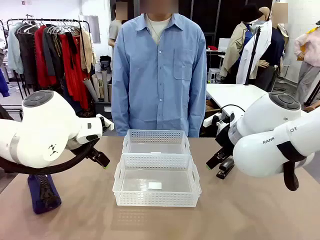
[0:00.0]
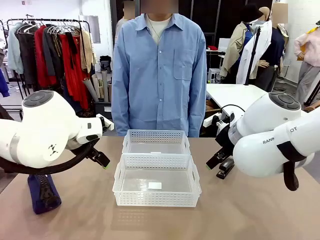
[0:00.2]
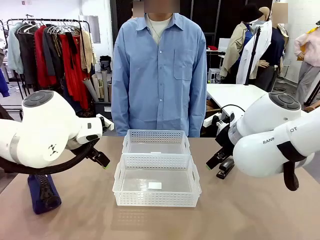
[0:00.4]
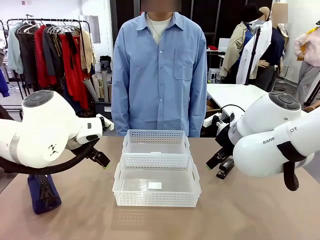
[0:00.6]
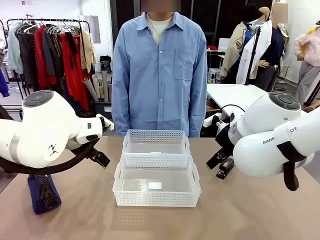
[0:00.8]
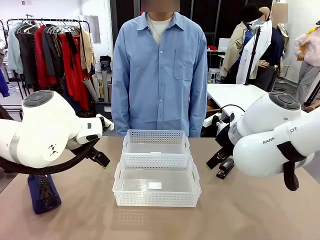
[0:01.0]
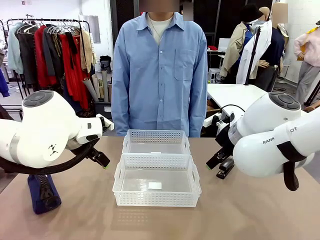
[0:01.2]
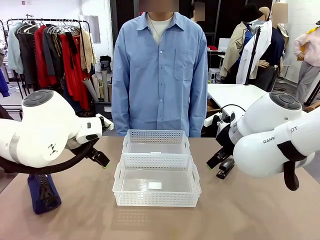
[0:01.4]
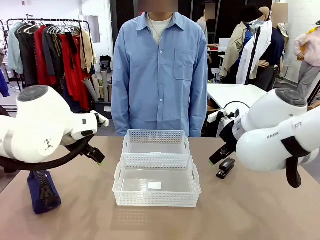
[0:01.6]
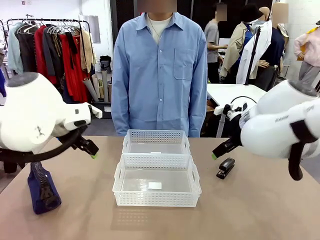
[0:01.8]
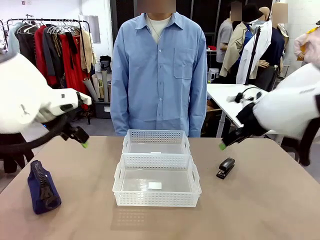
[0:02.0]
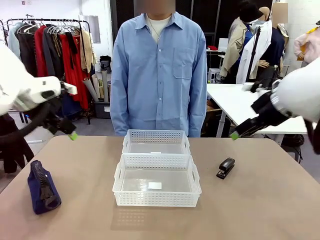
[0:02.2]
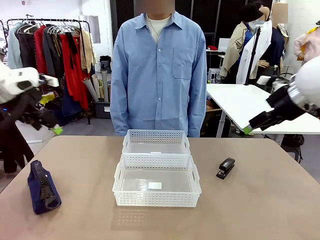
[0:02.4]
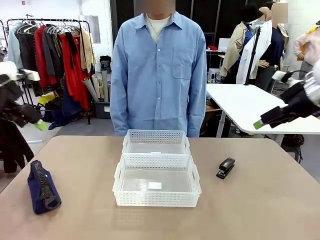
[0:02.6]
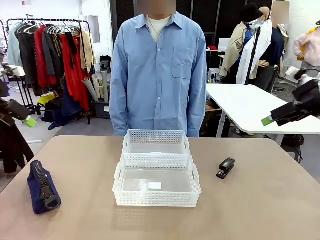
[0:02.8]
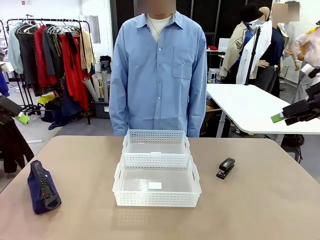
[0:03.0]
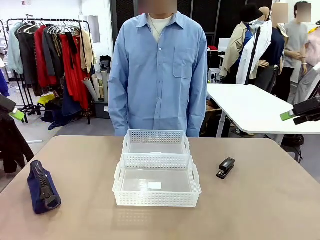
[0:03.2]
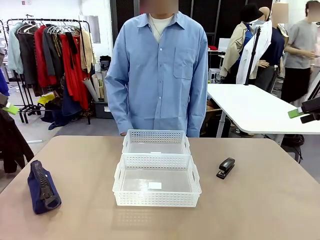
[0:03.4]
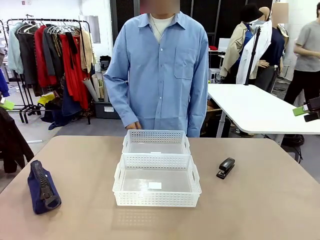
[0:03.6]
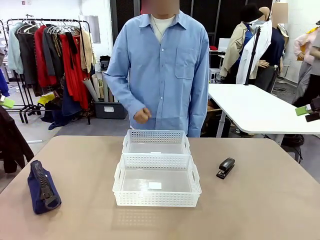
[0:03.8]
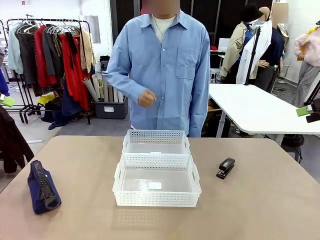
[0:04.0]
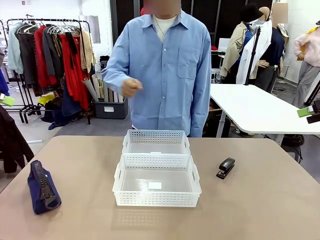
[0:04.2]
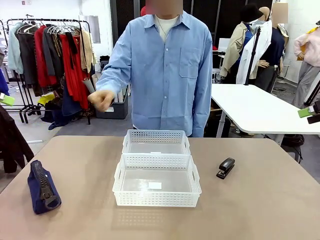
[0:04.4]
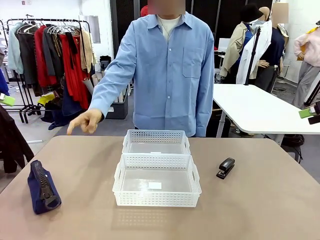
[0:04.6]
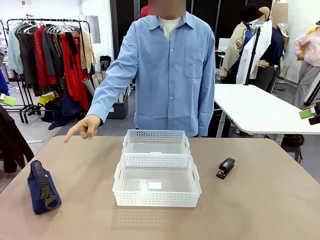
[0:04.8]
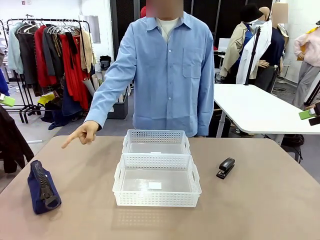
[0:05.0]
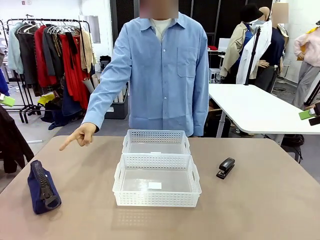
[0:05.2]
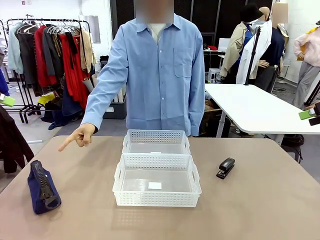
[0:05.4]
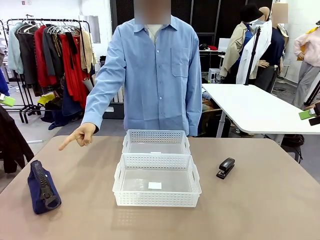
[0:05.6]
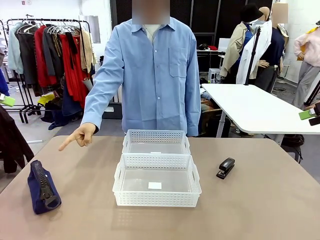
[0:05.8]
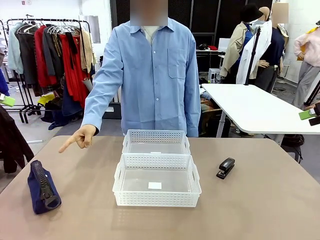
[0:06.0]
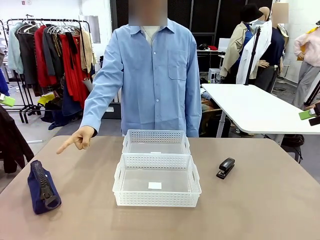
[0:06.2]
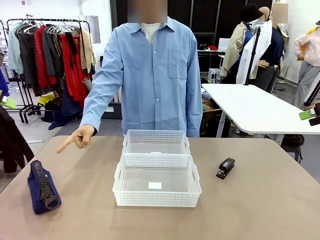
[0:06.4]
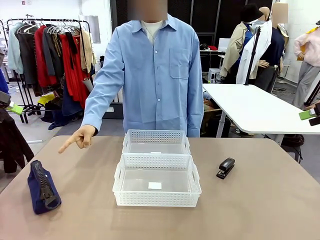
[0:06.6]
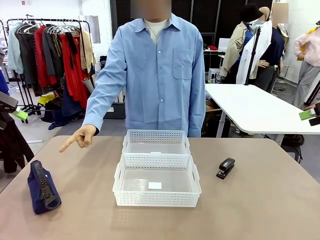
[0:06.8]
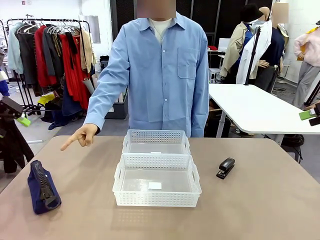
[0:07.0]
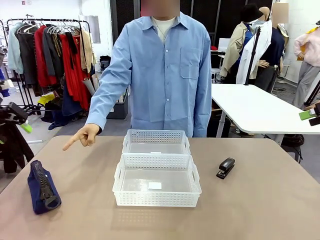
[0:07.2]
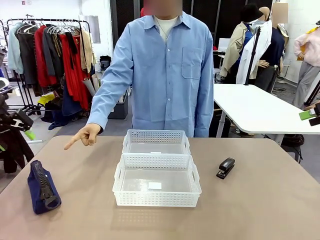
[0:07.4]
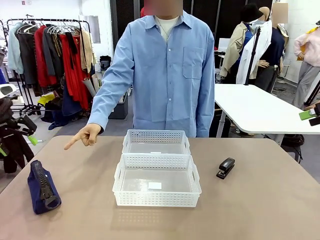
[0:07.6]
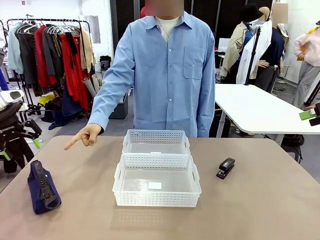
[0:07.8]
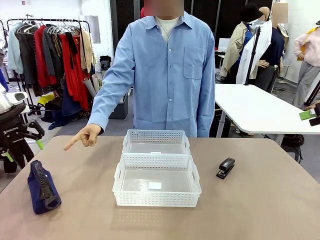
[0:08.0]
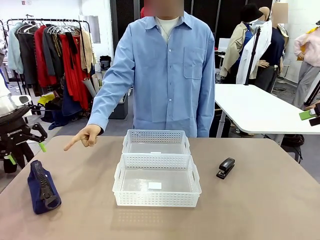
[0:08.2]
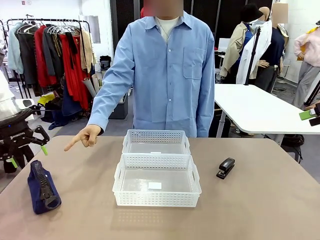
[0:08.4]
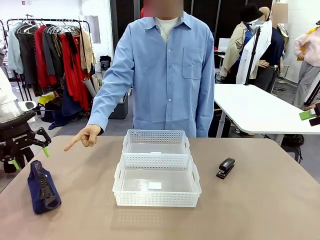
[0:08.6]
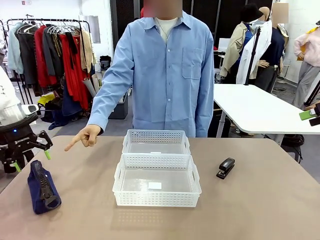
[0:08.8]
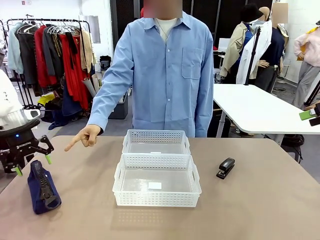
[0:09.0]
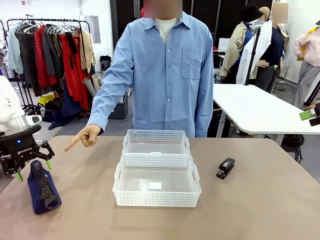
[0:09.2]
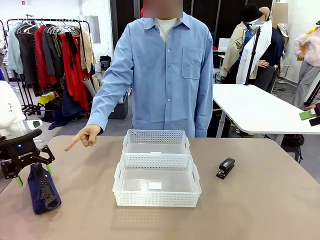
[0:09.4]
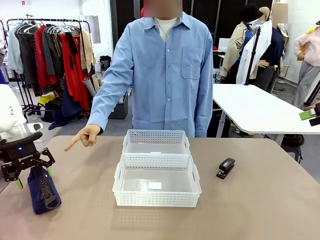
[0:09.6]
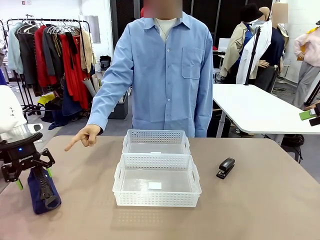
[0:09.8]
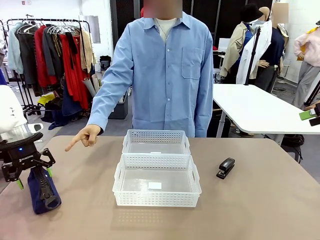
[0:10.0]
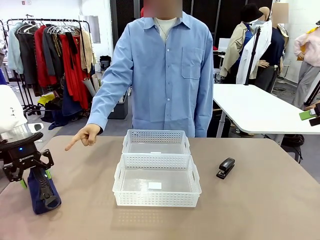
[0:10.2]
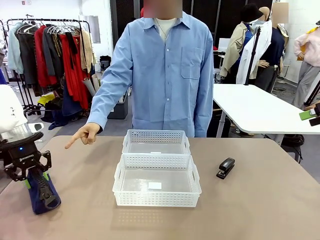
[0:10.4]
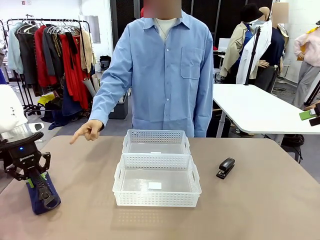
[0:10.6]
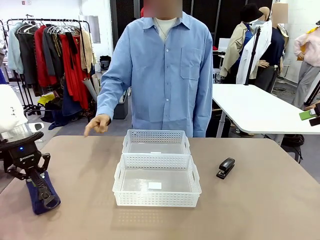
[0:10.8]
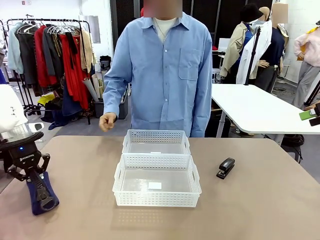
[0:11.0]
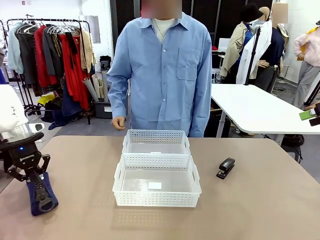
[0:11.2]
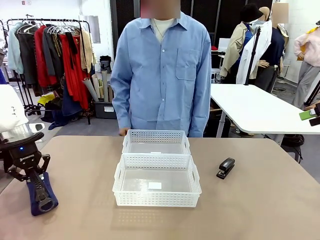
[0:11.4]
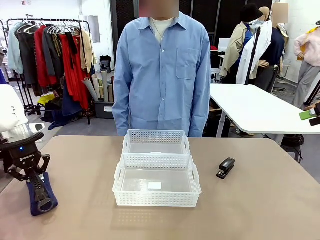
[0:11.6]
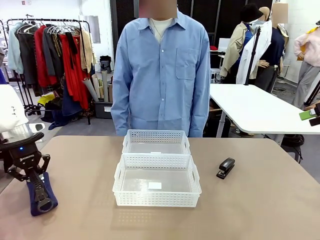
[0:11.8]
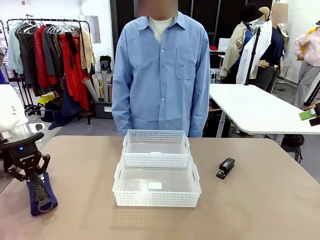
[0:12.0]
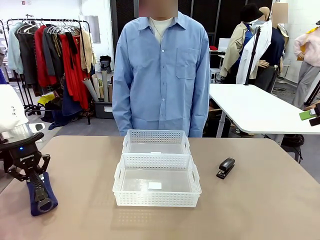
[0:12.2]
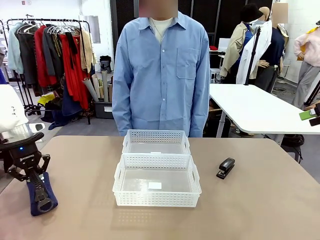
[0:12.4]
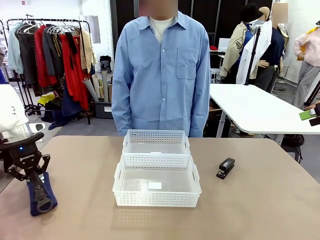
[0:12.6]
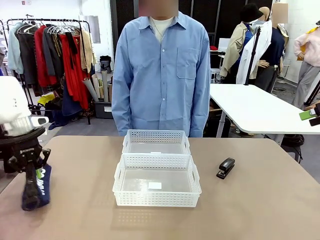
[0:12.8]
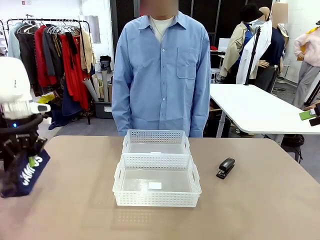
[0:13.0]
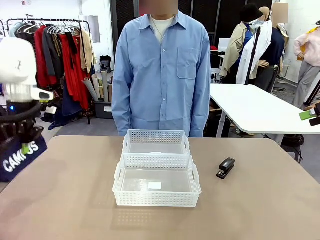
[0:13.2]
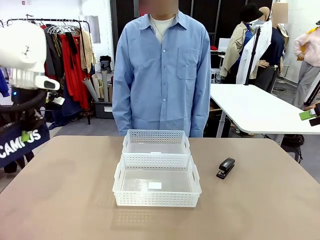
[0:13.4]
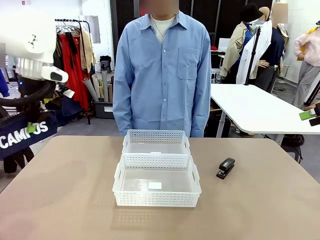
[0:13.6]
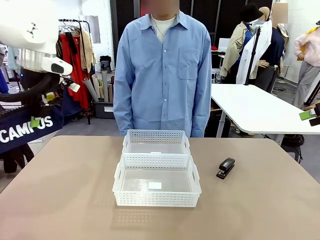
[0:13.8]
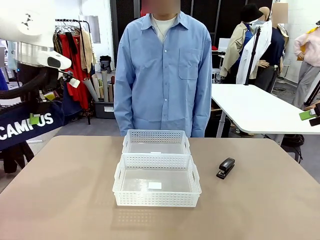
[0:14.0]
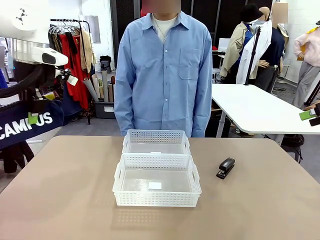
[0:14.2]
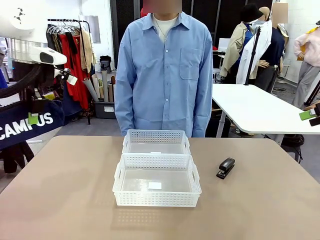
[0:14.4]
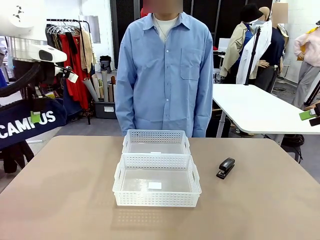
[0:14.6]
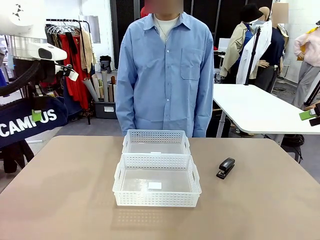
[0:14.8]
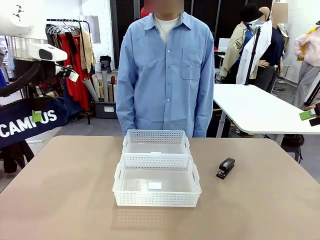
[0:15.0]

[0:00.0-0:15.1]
Task: Distribute items into two baskets.
Robot: Pick up the Pencil pouch that the person points to.
Person: Points to the pencil case. Points between the two organizing baskets and instructs the robot to move the pencil case.

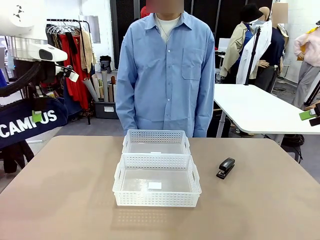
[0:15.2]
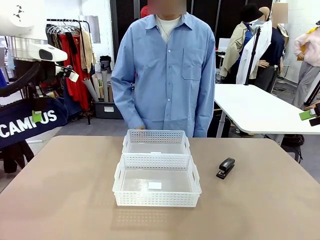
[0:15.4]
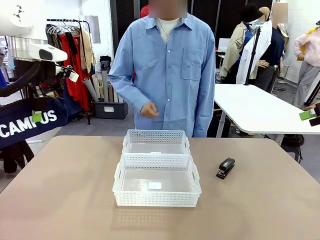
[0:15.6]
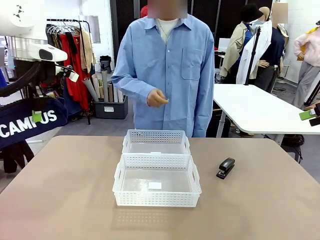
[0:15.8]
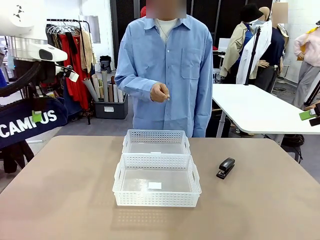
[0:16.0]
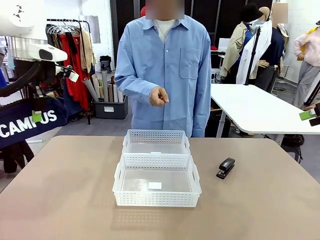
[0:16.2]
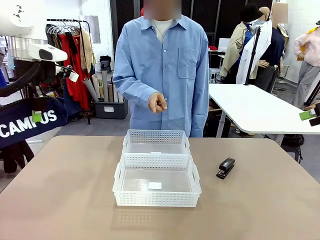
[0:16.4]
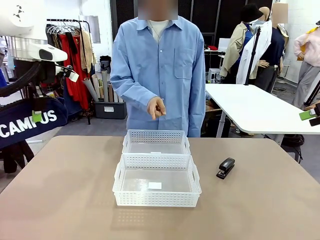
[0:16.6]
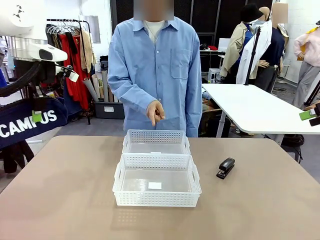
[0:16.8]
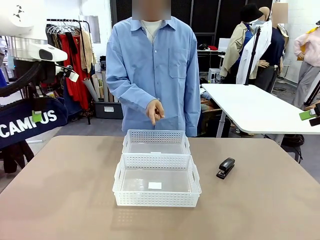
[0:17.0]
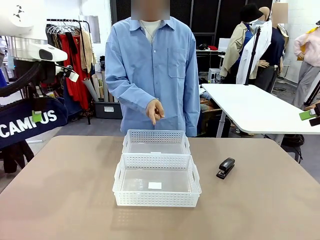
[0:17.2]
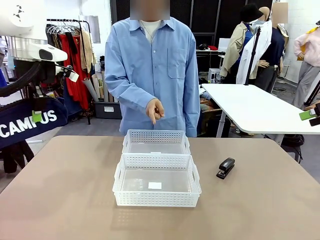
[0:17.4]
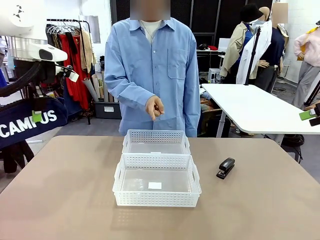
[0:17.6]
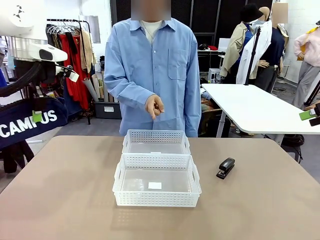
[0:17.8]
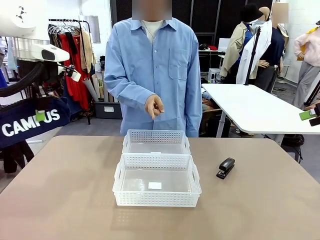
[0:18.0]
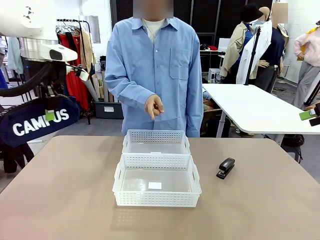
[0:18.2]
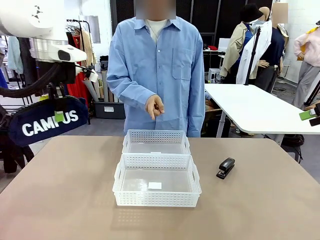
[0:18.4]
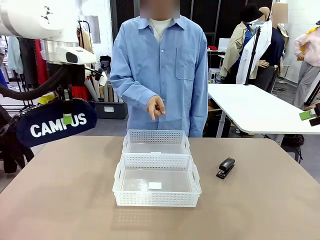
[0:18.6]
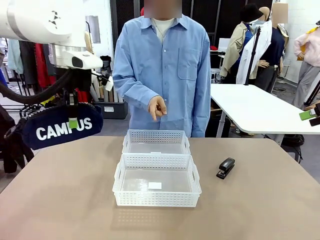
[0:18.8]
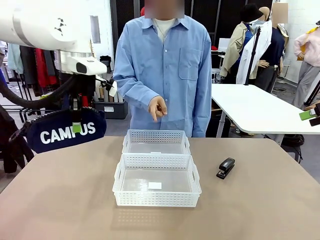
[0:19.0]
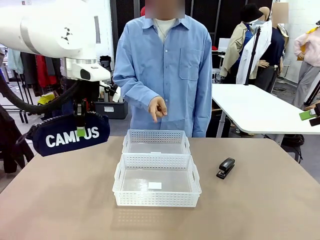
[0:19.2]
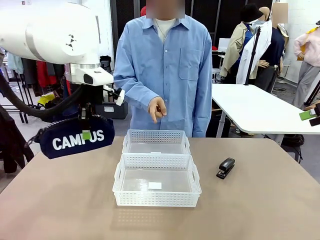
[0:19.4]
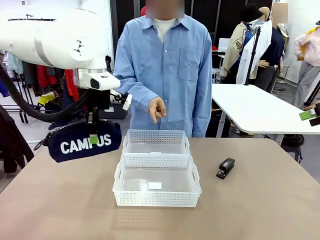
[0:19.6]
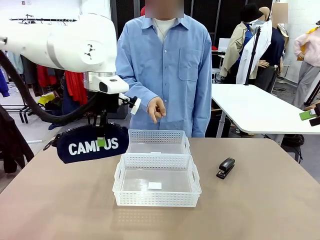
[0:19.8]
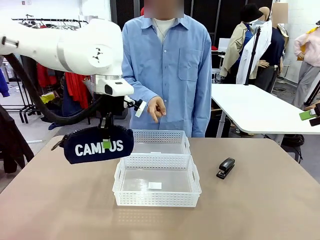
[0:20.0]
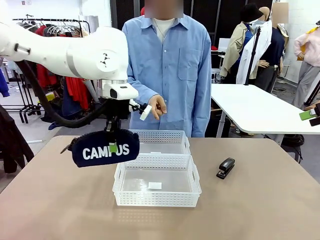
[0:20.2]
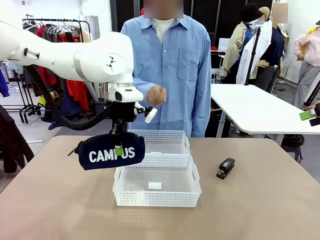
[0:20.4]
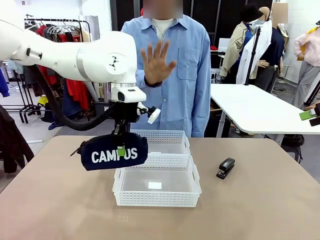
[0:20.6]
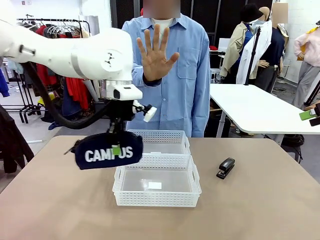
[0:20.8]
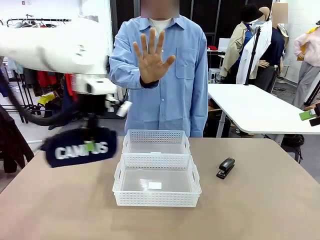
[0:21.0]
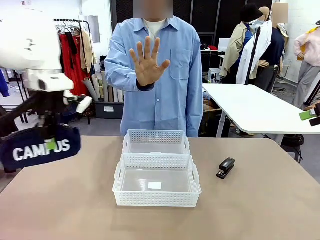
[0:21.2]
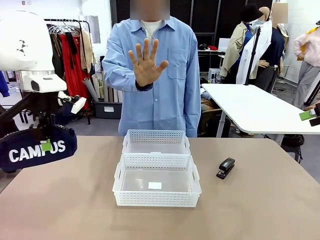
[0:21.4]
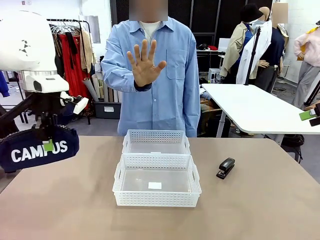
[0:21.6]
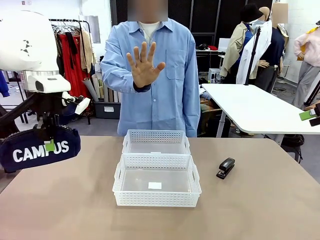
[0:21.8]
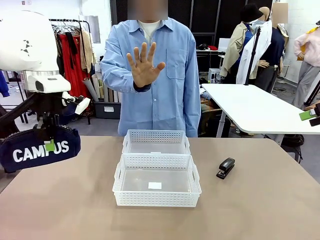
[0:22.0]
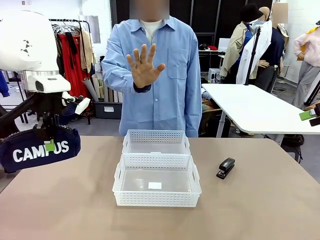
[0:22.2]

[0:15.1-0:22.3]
Robot: Move the picked Pencil pouch towards the Organizing basket indicated by the person, stopping as directed.
Person: Sends a stop gesture before the robot places the pencil case into the basket.
